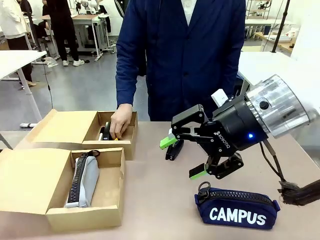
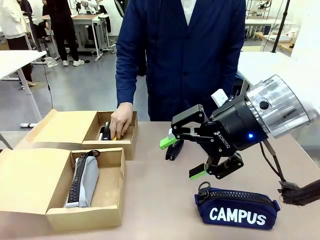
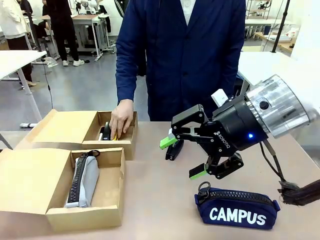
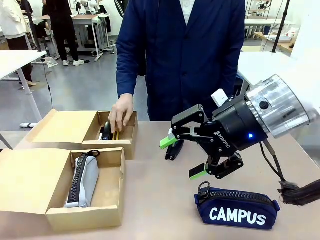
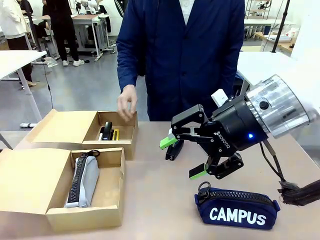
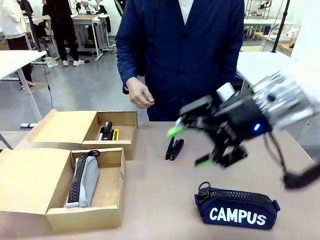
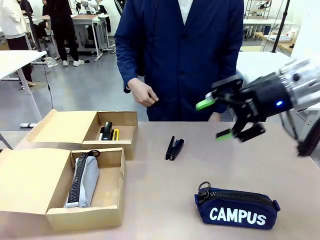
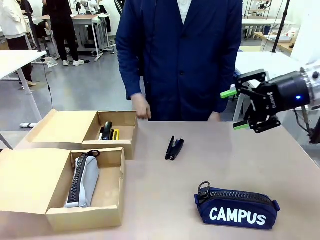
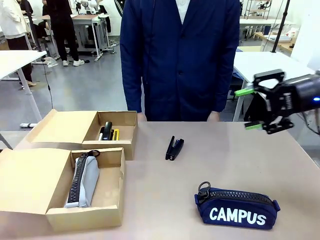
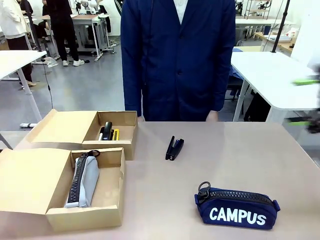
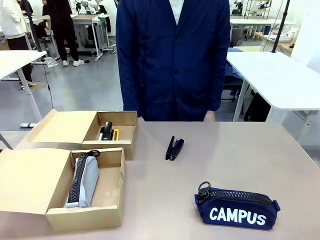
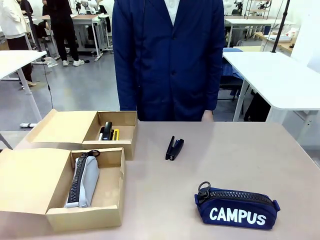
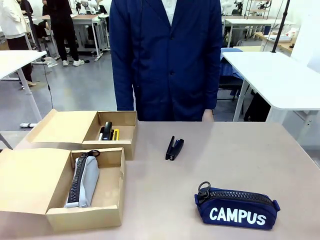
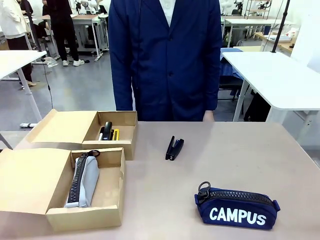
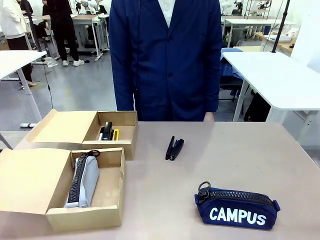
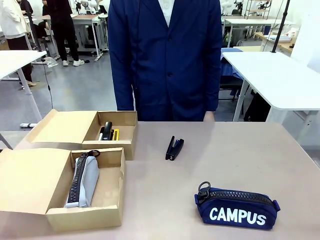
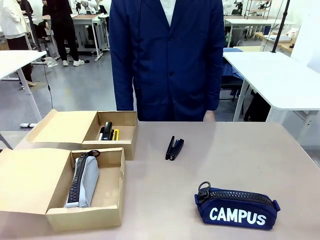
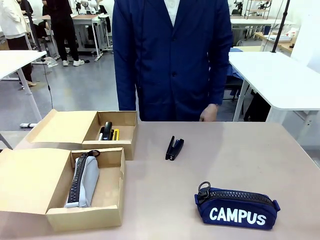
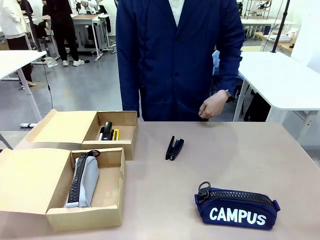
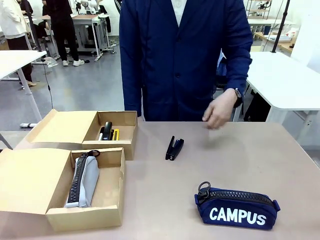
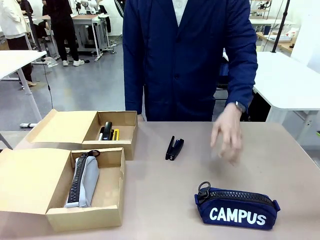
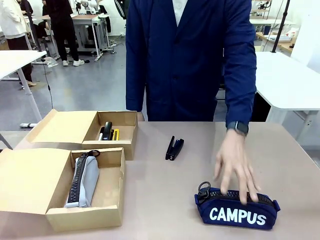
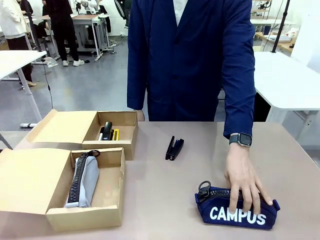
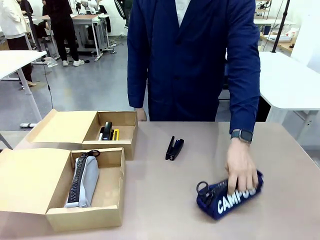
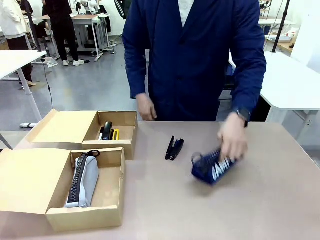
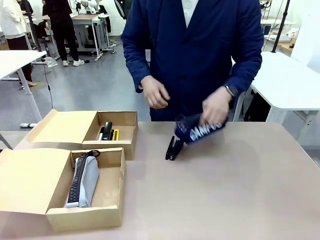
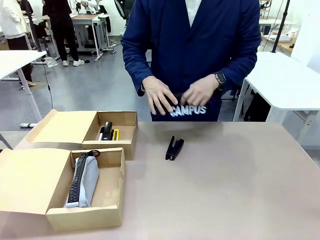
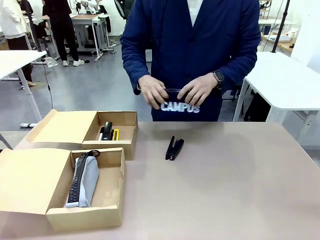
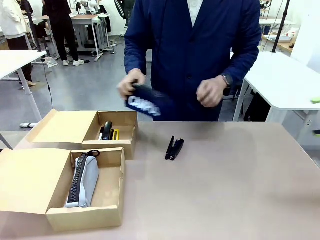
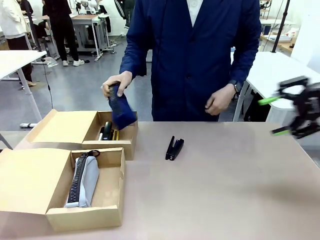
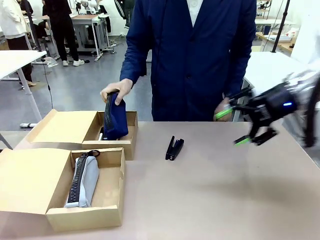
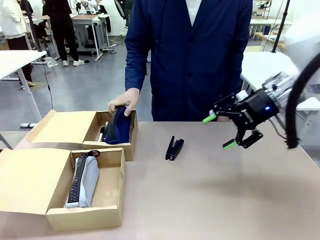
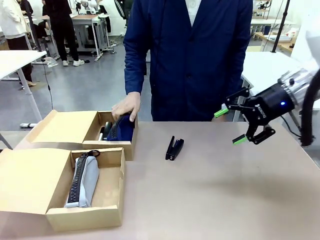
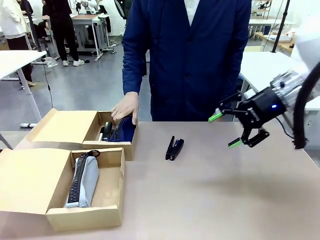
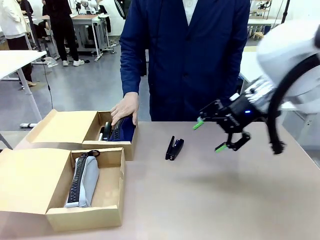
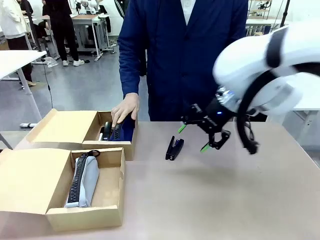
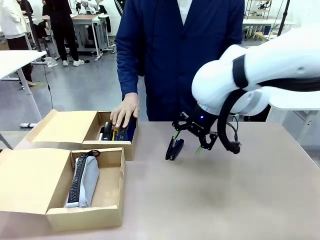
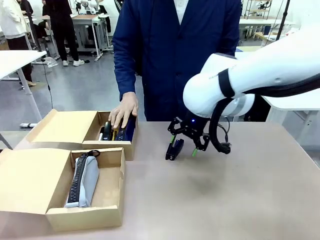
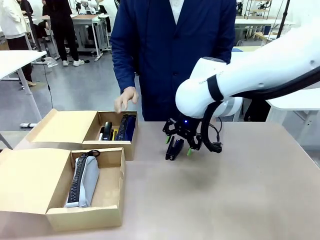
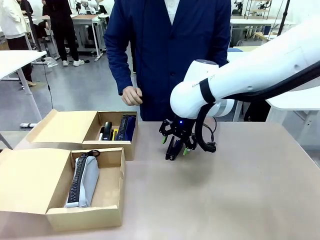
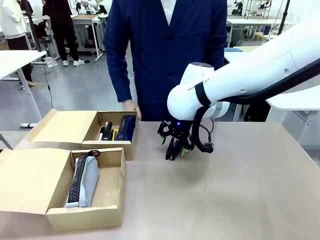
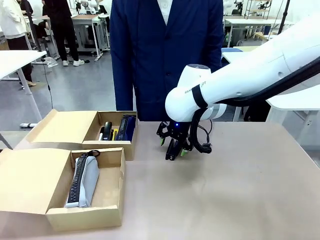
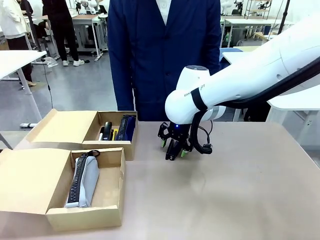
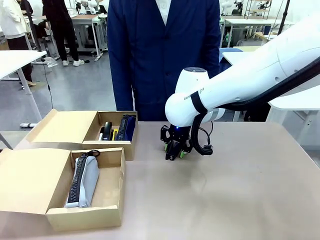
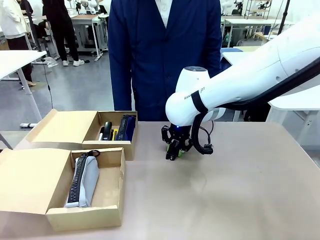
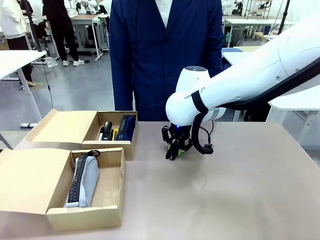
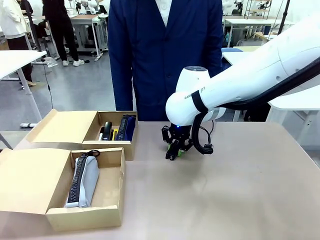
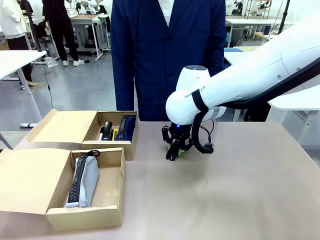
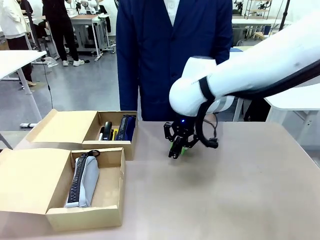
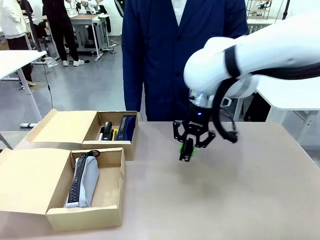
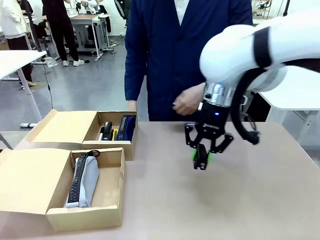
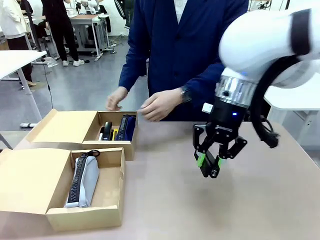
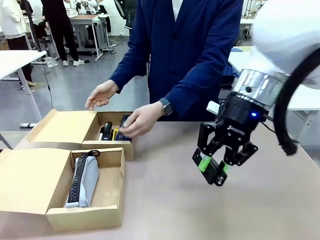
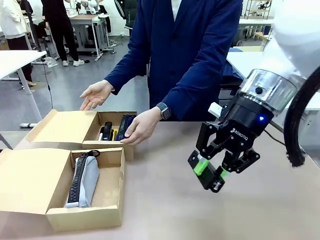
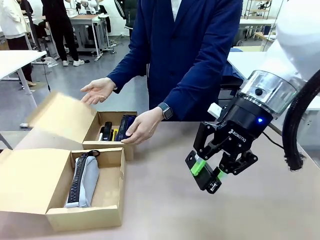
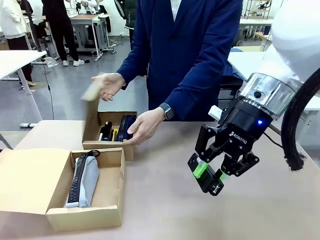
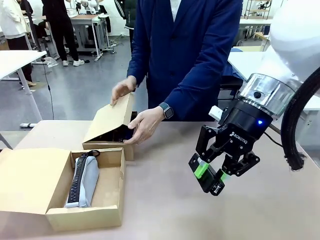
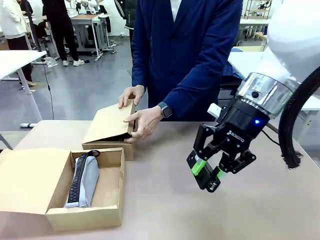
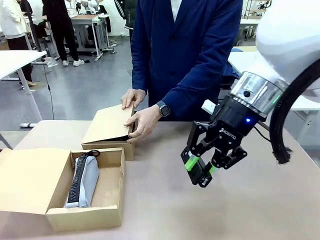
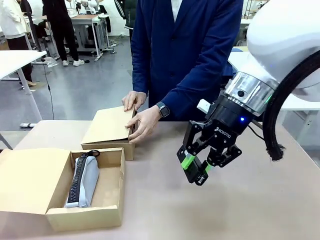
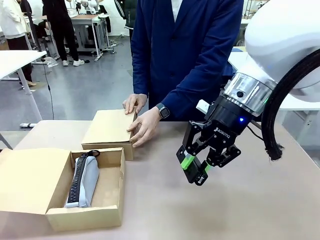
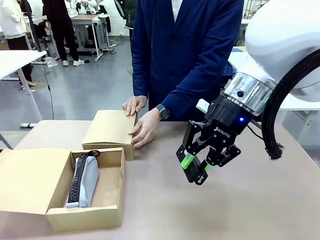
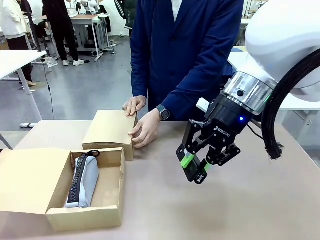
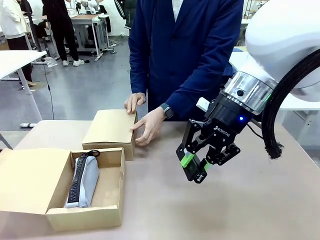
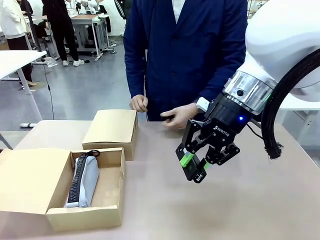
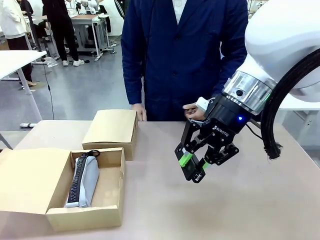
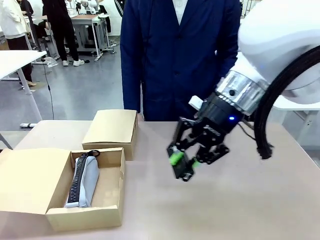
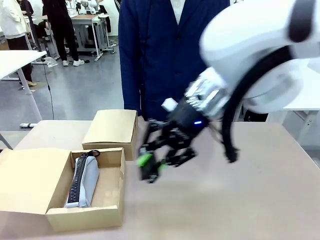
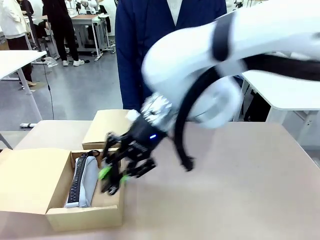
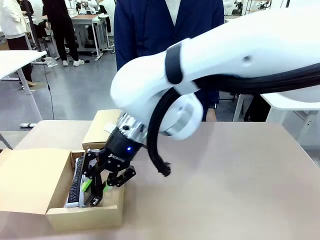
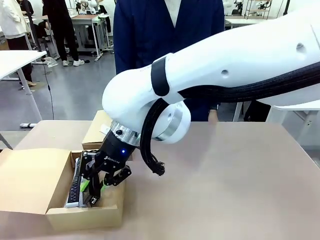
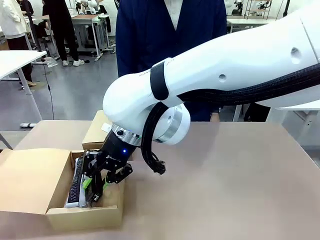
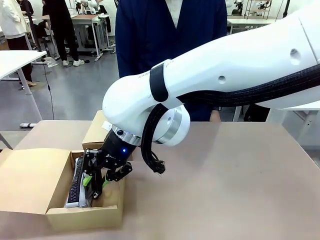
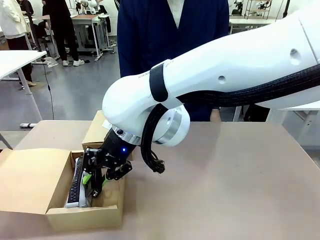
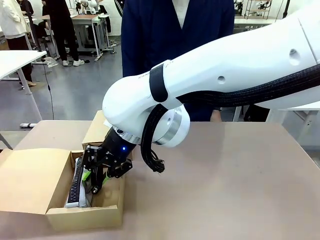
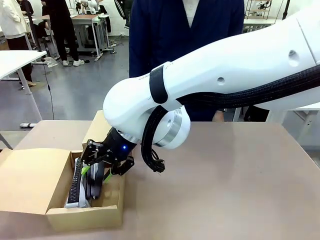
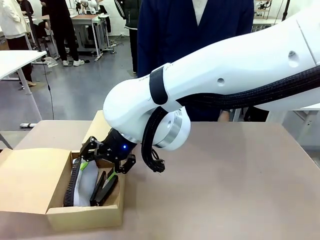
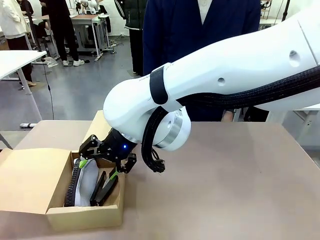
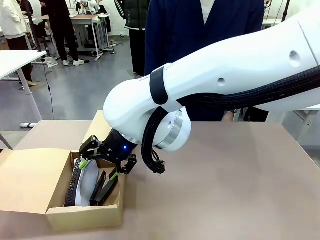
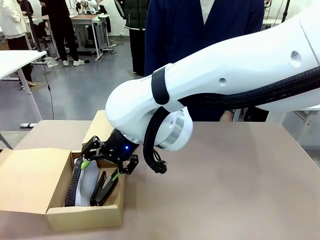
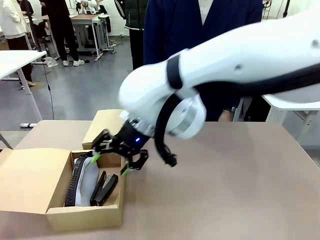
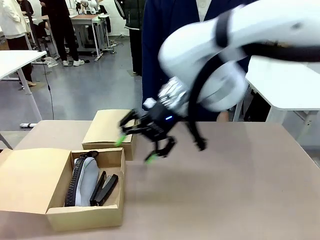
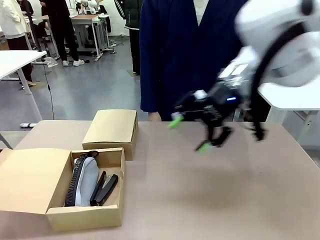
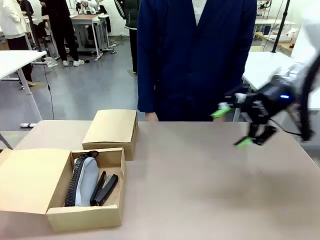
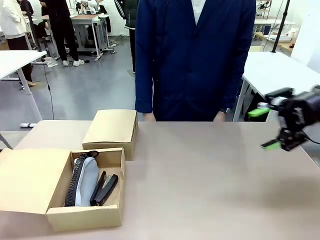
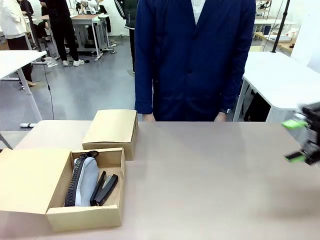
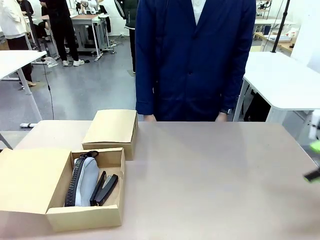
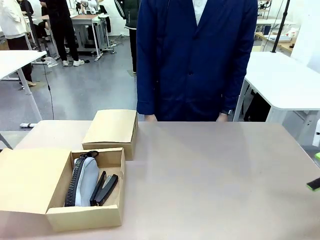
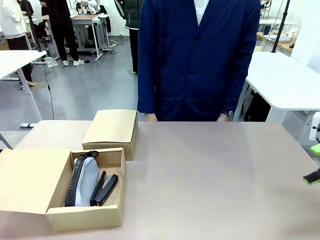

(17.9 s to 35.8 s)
Task: Place items inside the box.
Robot: Pick up a Pencil pouch or Stapler and place it inside the Mailer Box closest to the robot.
